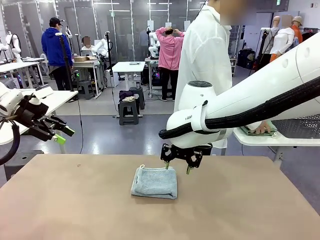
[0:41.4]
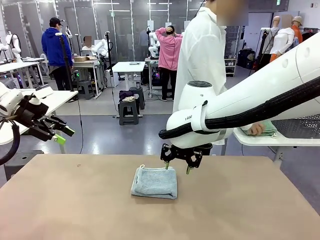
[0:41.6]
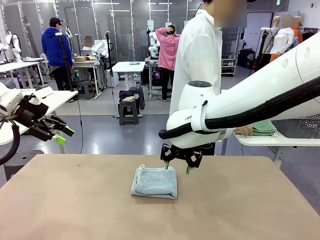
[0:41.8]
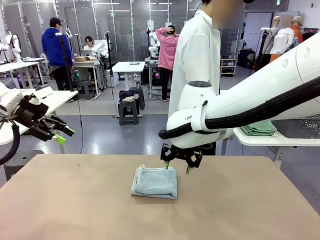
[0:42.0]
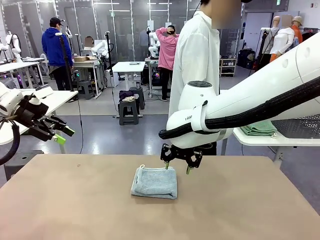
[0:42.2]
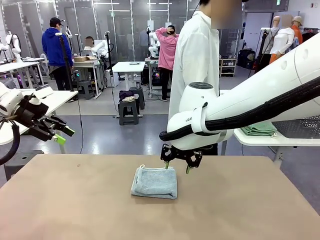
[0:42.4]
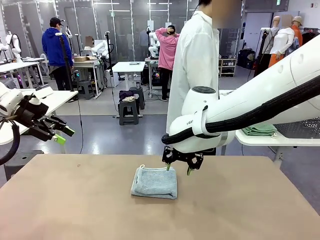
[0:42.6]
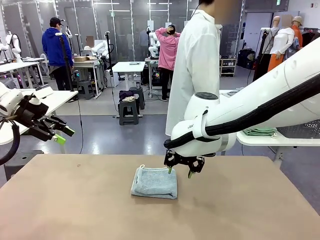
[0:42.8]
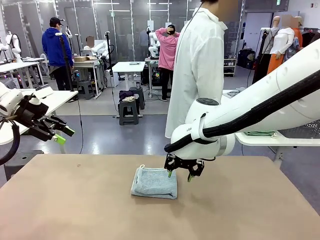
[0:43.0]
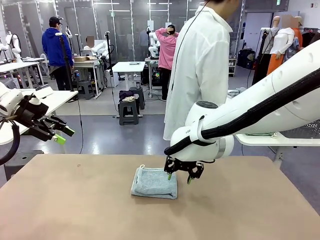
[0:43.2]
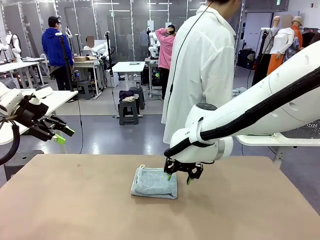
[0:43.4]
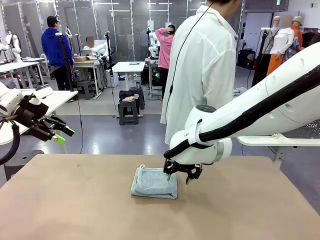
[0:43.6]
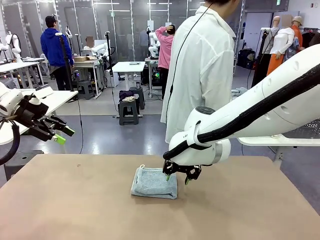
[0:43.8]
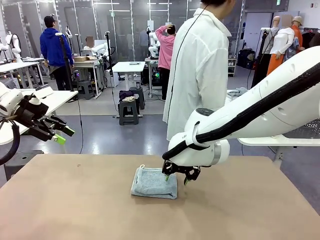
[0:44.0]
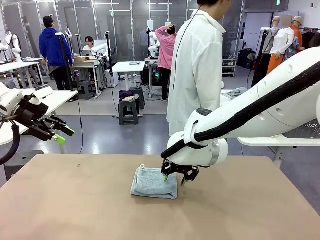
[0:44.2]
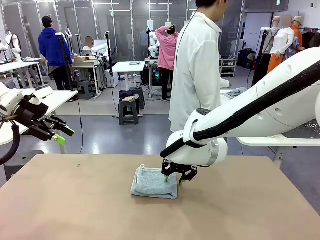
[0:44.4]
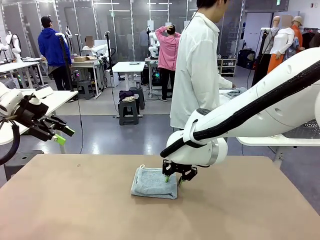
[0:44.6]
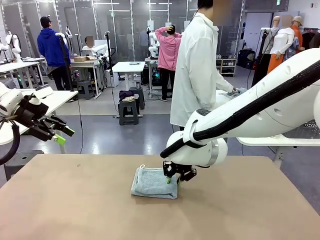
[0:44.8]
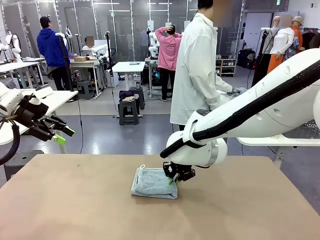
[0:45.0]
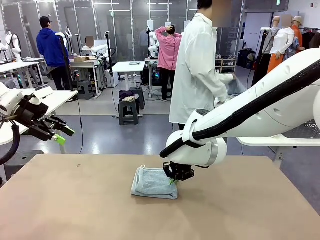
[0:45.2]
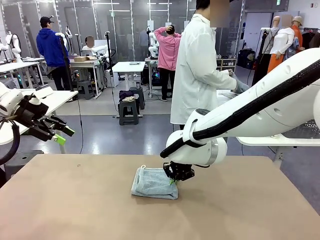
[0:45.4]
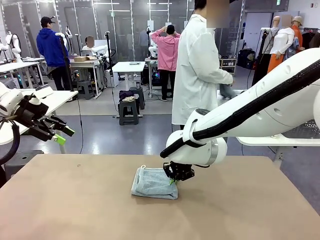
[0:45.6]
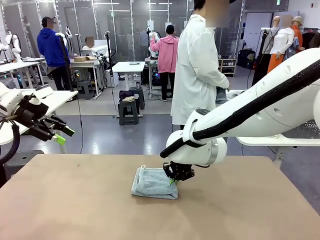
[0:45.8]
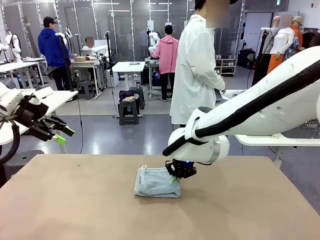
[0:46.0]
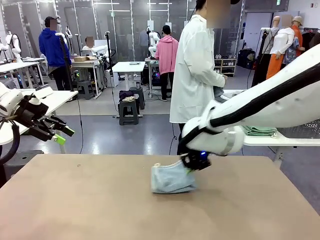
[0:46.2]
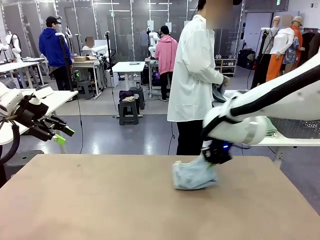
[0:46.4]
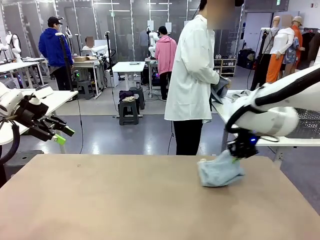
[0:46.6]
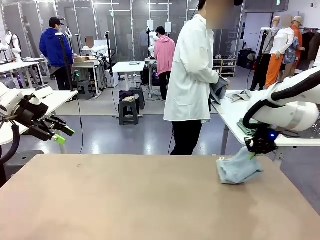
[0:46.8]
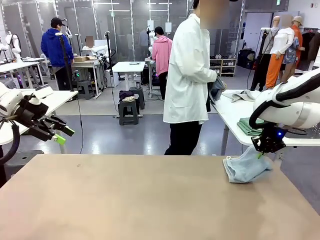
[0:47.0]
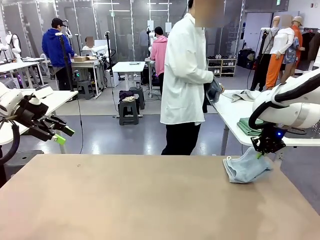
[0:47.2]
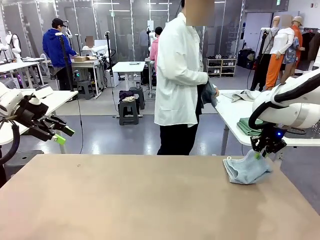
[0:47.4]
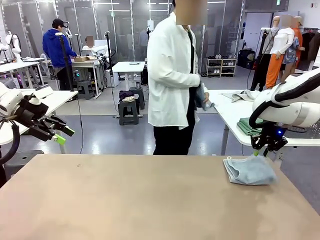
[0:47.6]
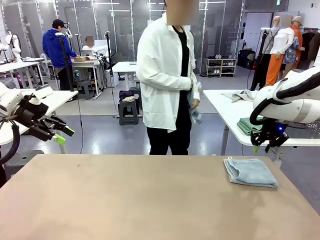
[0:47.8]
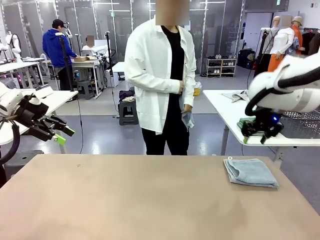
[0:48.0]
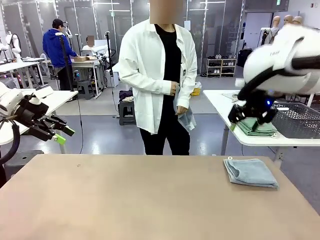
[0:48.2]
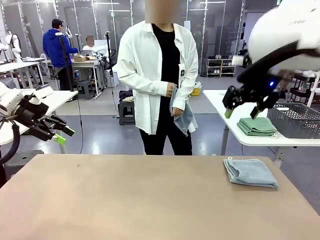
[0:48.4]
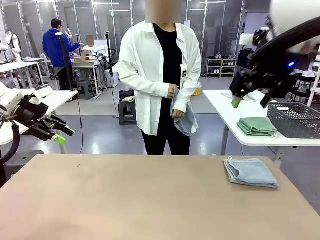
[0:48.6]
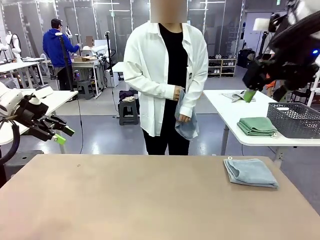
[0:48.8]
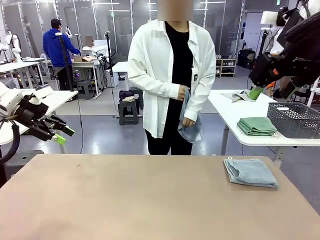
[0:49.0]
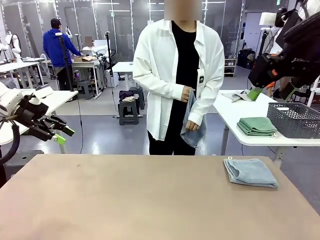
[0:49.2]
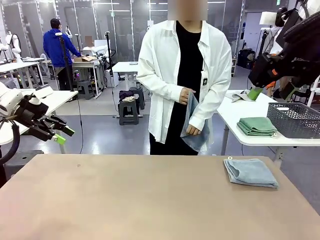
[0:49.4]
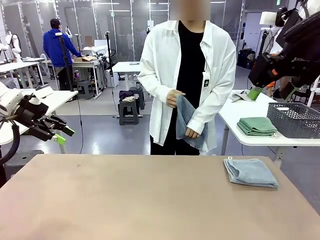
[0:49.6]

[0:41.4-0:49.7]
Task: Fold the towels and place them in the basket.
Robot: Place the folded Towel with hook on the right side of the table.
Person: Pick up one towel from the left side of the human table and spread it out at the center of the robot table.

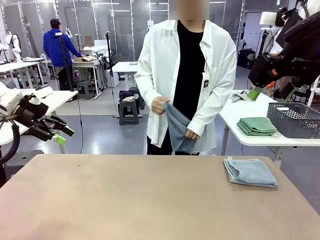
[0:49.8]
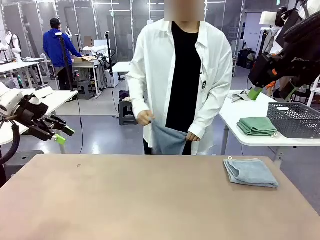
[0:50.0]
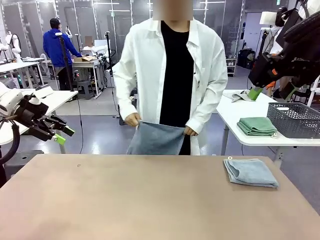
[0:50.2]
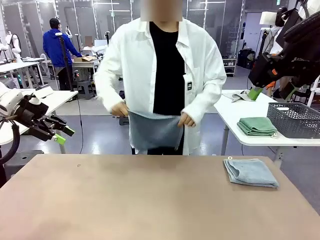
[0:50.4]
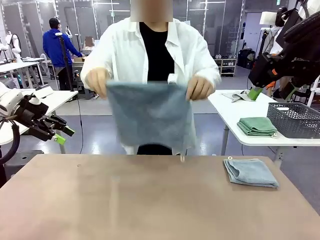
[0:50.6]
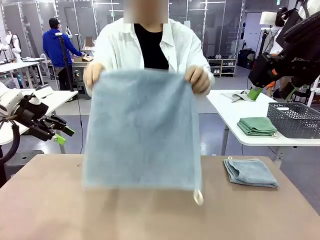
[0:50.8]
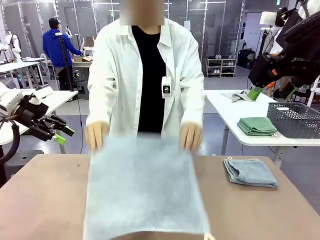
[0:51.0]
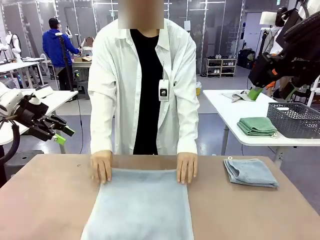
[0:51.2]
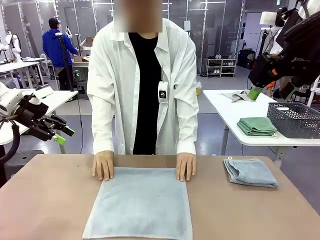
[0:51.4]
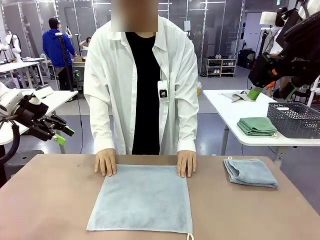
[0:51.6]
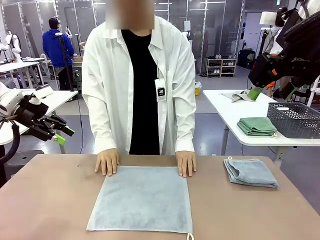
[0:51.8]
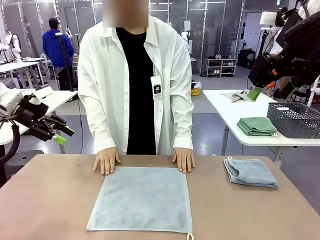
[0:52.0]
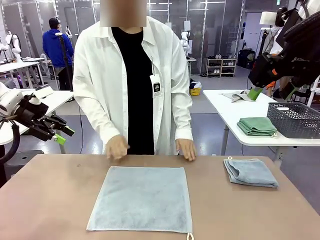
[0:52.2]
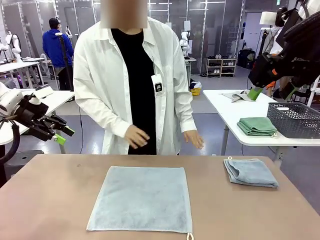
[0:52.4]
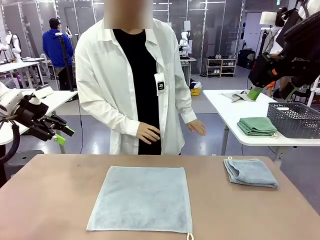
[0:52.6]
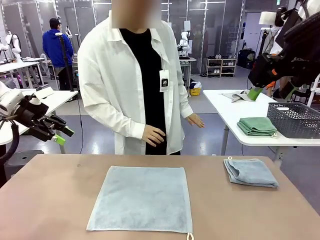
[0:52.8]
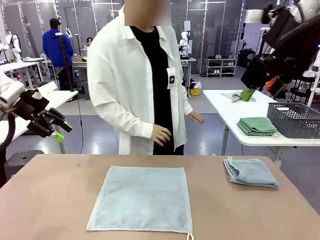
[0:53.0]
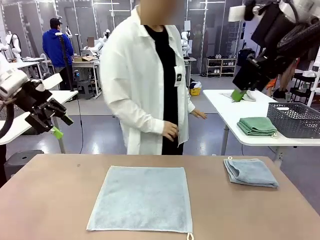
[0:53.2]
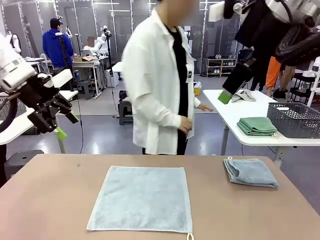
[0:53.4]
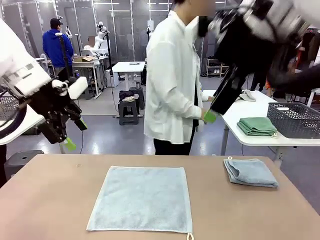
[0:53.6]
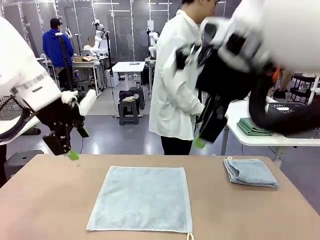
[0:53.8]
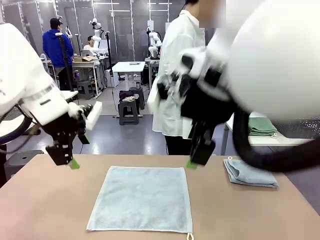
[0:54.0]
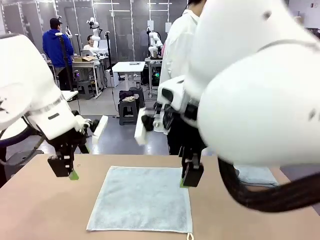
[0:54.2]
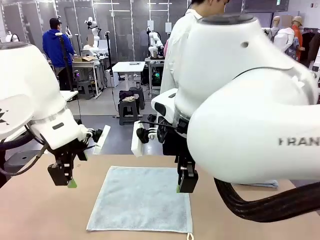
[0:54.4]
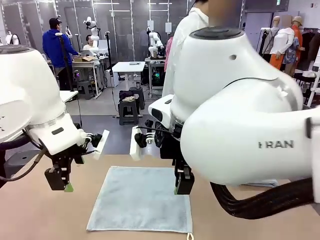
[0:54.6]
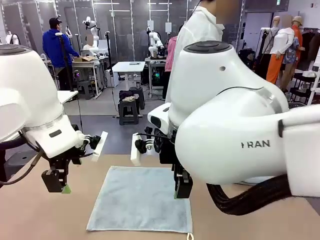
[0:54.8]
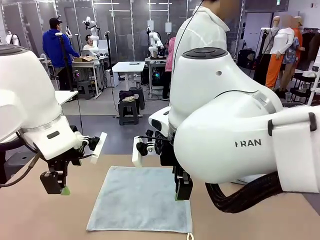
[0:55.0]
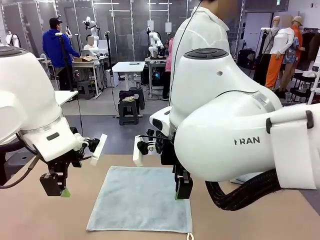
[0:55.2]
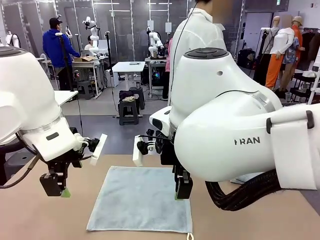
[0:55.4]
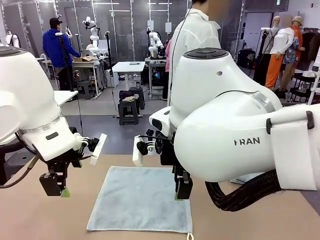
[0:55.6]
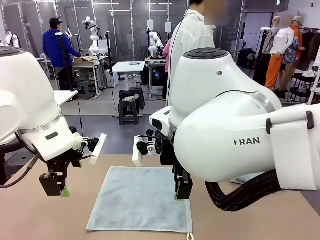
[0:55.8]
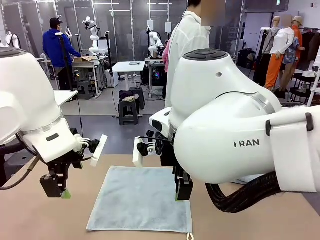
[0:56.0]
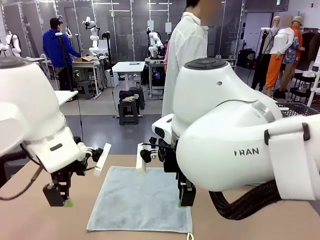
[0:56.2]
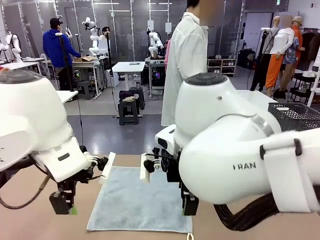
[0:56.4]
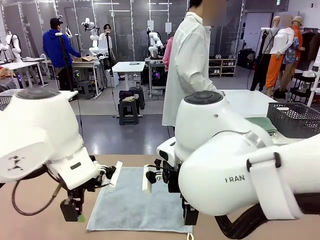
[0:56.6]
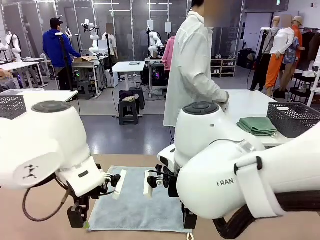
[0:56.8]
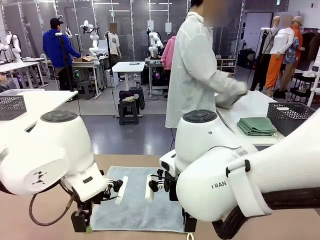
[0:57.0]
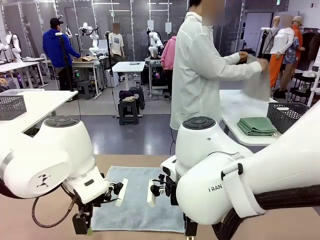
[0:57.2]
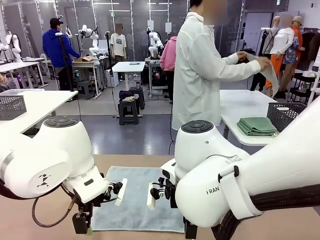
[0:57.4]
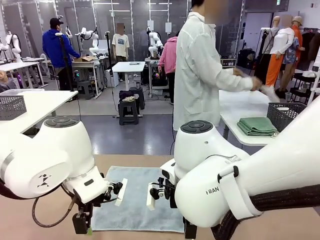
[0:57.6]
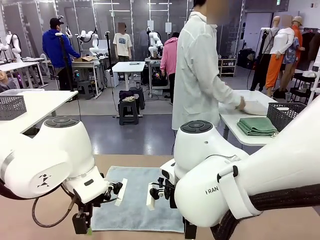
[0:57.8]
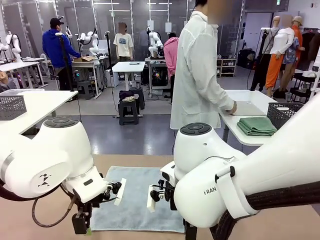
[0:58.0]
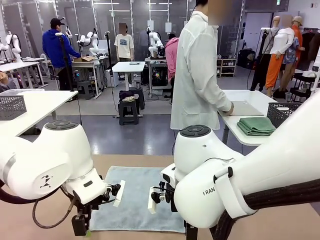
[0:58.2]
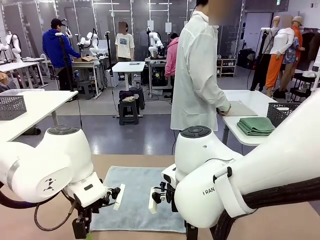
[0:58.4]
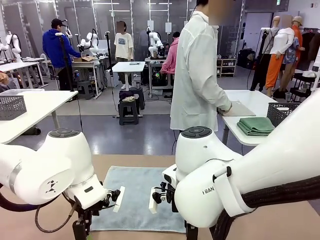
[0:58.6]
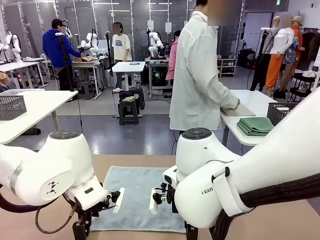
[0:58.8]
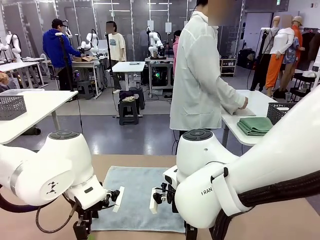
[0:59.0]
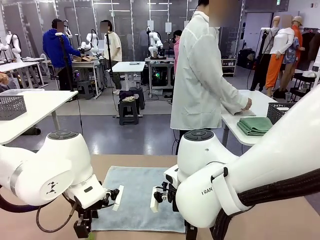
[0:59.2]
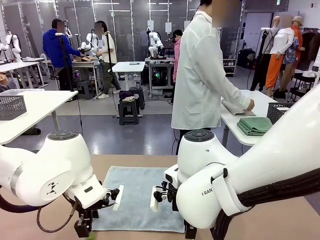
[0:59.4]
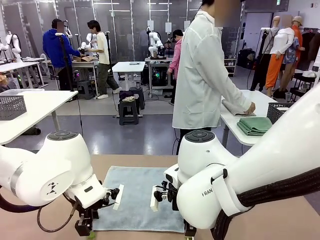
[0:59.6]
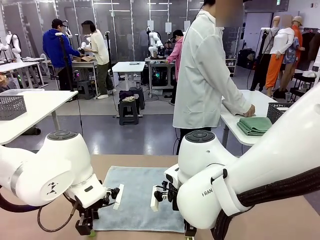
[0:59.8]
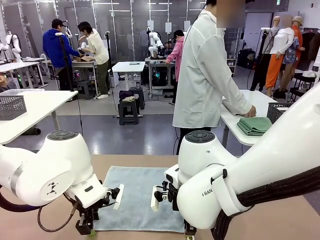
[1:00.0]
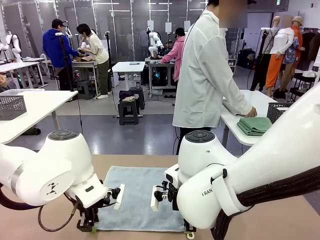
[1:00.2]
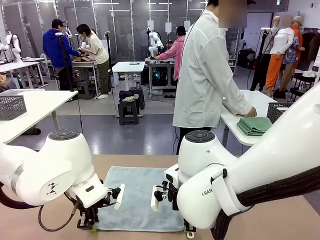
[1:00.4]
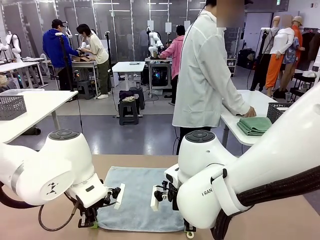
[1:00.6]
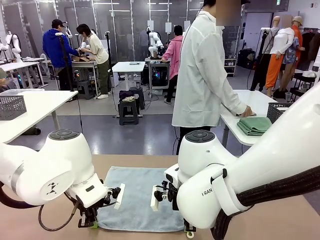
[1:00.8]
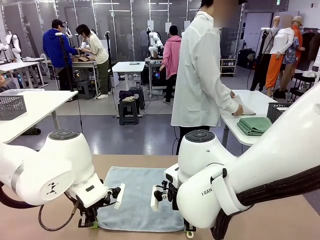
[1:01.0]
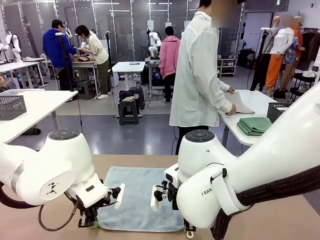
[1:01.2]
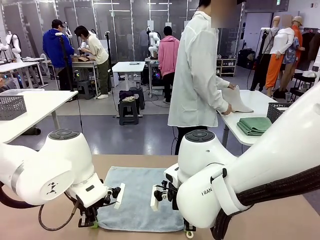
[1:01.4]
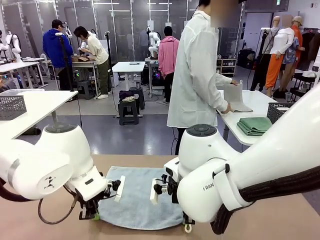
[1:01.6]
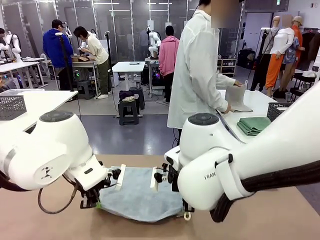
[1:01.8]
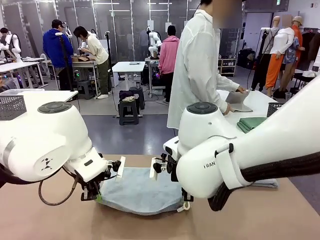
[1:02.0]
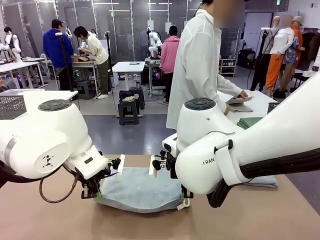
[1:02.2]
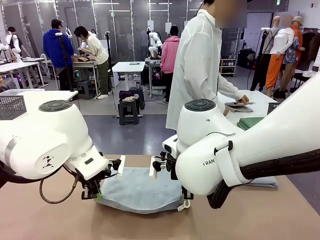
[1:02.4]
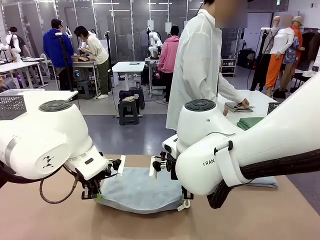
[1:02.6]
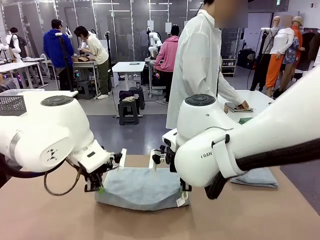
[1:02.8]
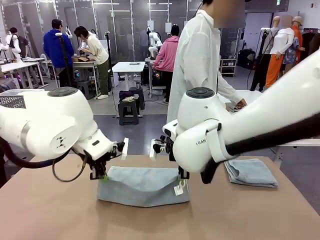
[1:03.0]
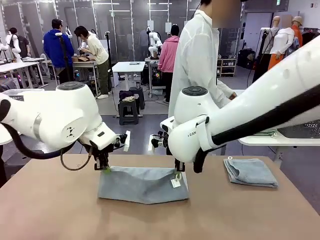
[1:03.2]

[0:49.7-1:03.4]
Robot: When a person lays out a Towel with hook on the table, fold it in half twice.
Person: Pick up one towel from the left side of the human table, fold it in half twice, and stack it on the right side of the table.
